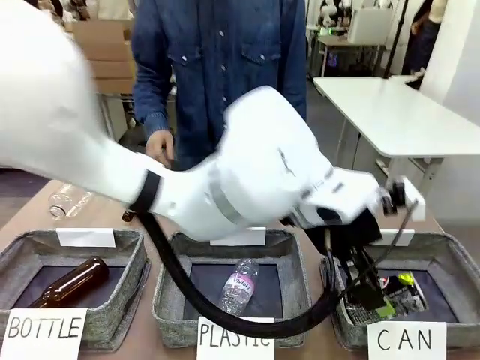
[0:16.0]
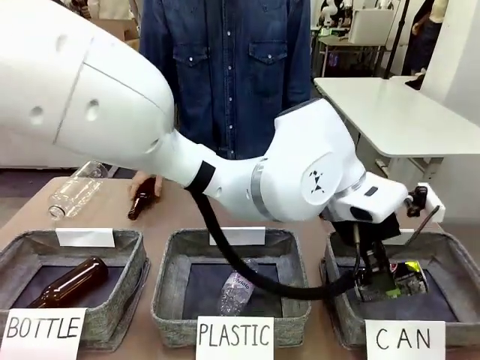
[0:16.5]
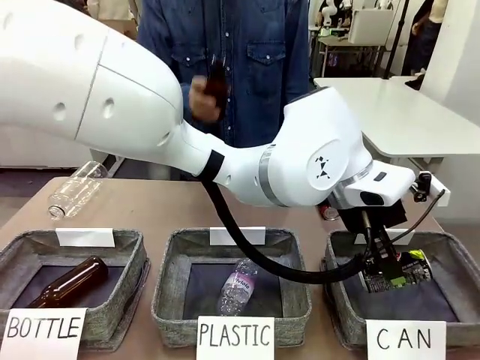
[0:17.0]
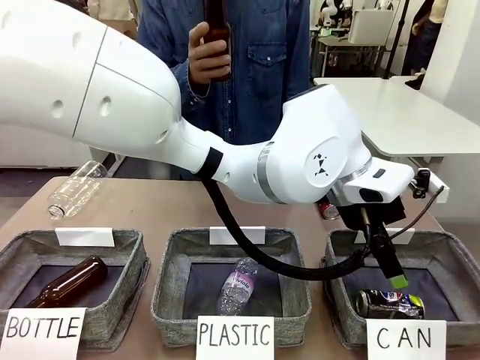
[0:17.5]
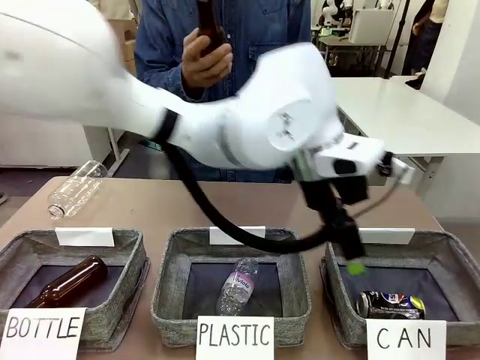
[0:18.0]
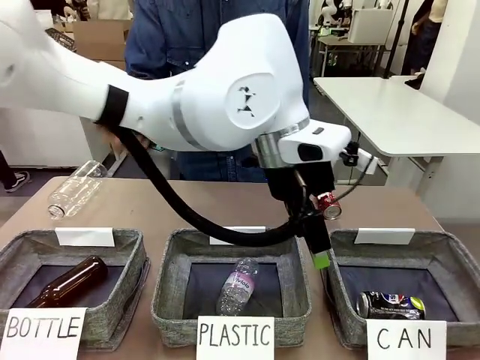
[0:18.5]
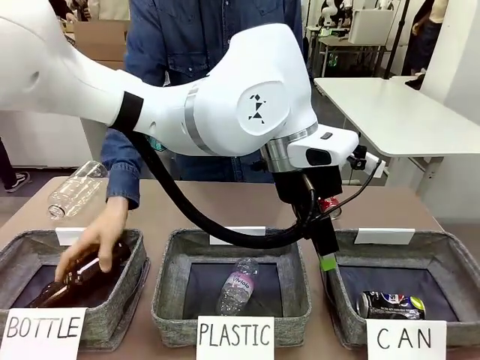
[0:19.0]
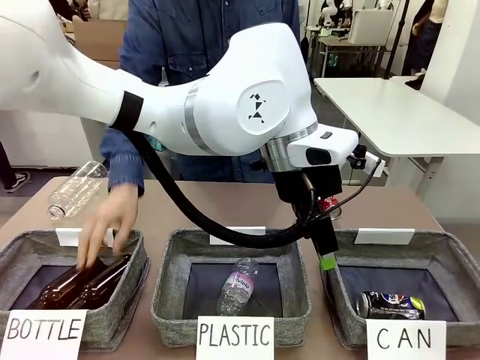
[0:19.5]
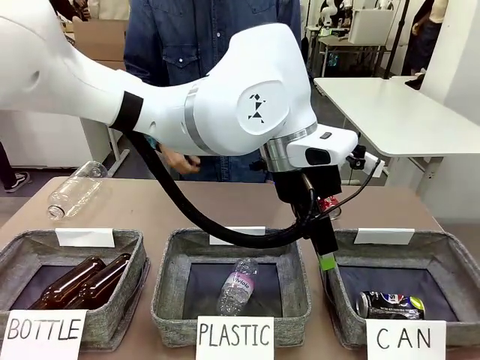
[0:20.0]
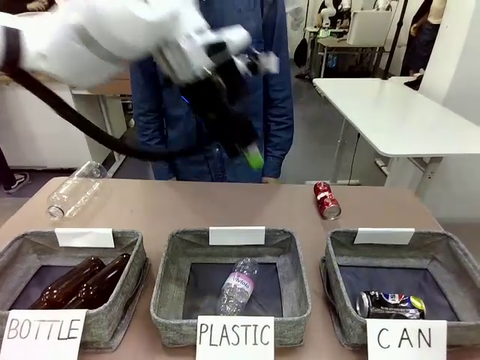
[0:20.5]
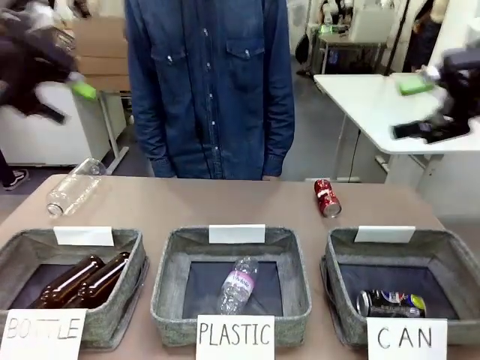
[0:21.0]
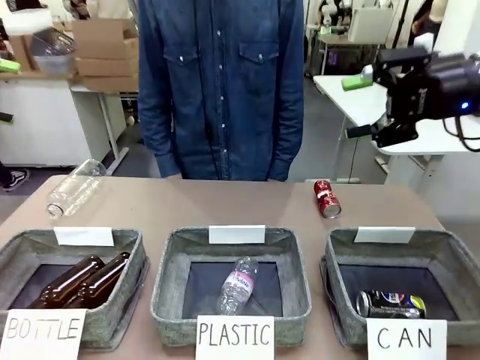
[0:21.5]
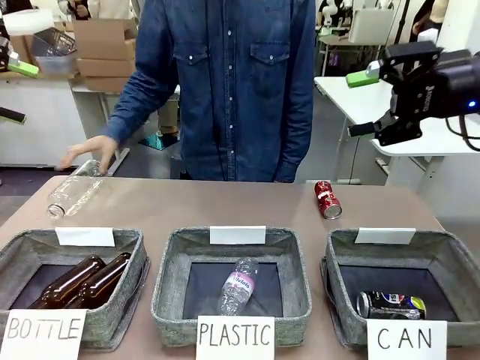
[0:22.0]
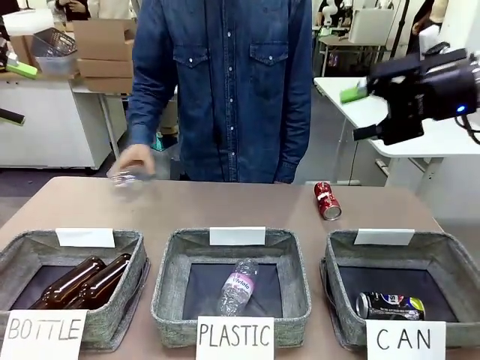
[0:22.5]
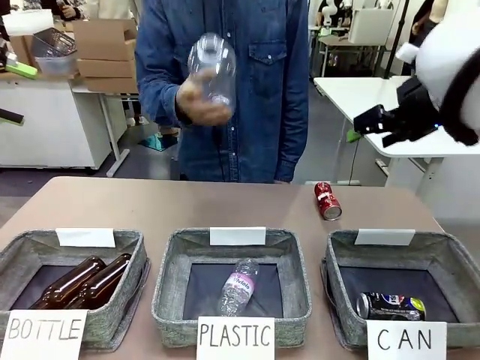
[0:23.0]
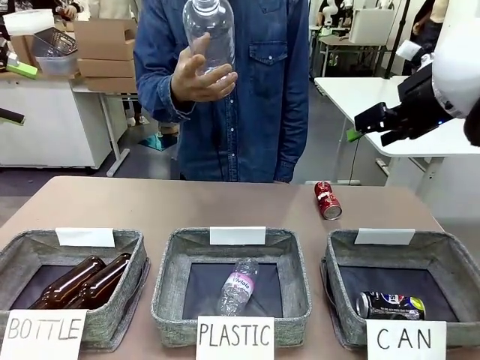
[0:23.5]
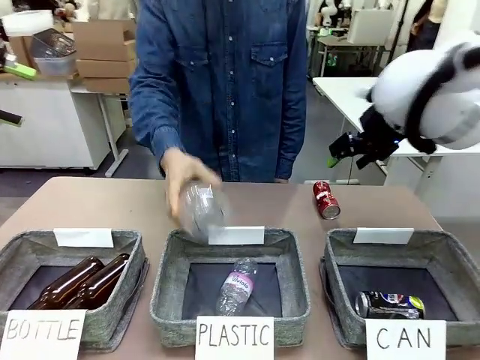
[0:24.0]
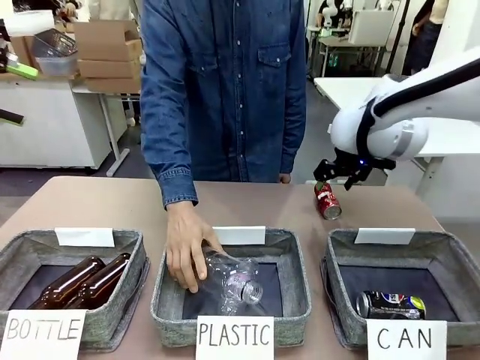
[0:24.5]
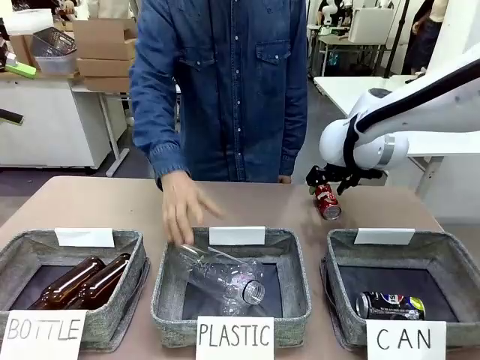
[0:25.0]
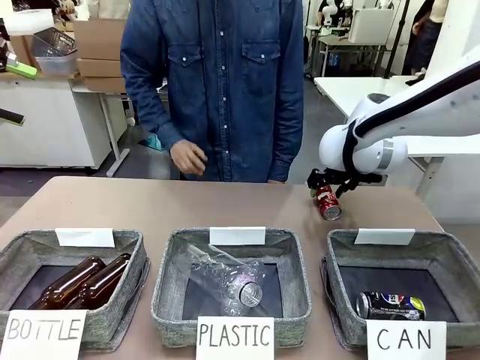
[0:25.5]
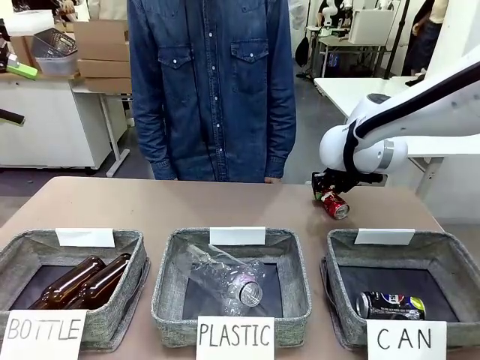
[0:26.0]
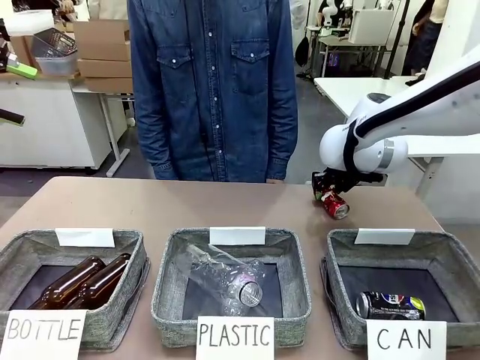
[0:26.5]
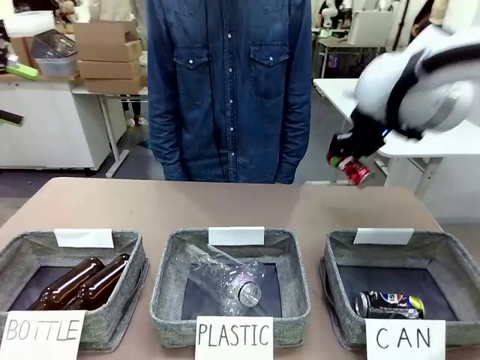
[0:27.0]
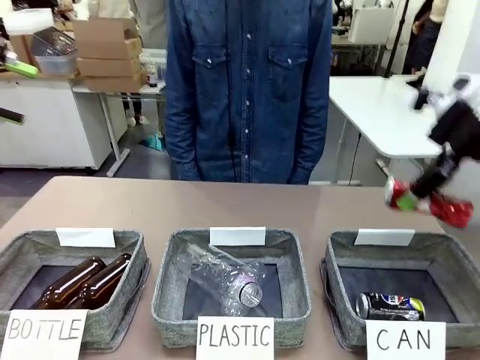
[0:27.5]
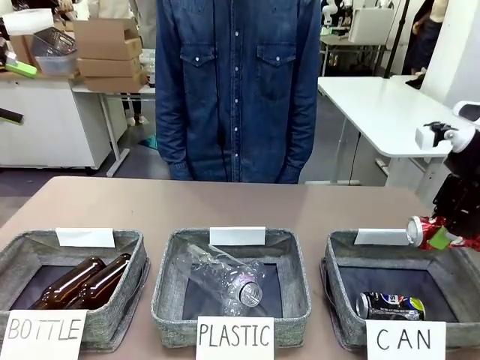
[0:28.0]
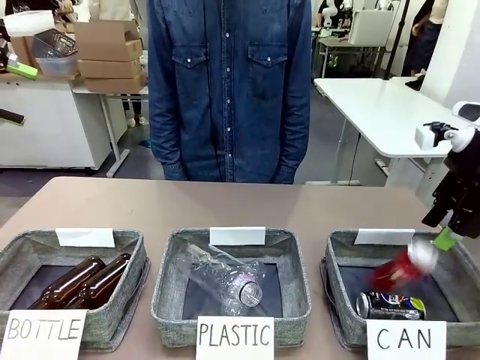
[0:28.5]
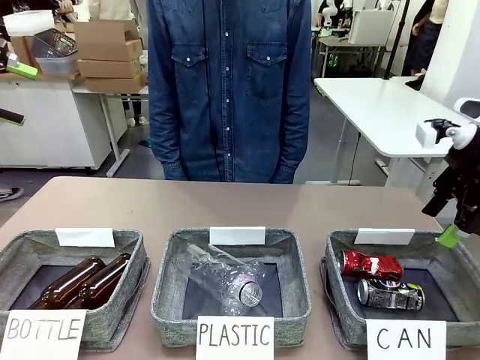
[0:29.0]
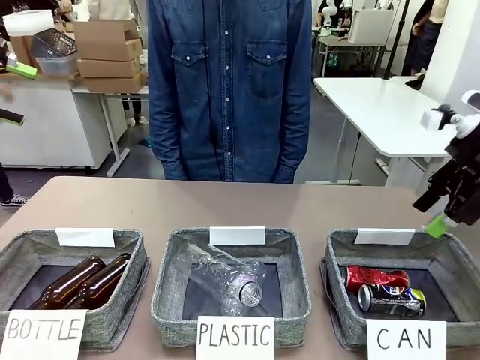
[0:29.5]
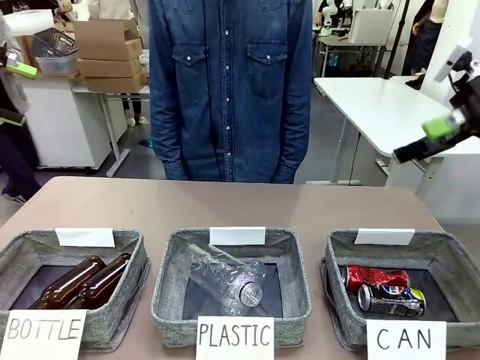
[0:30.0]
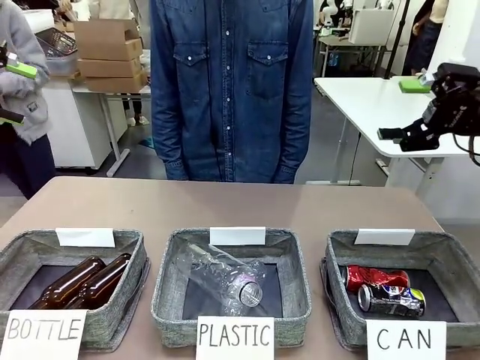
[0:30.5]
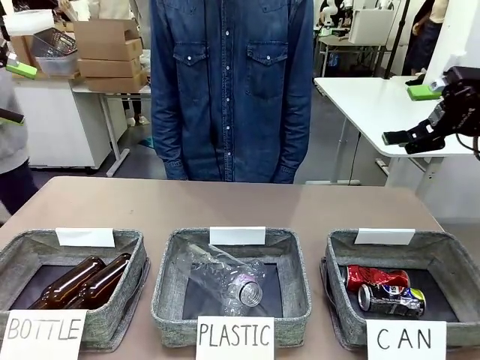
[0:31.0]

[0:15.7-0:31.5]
Task: Sort the can waste into the basket.
Robot: Pick up the can waste from the table and place it in the right Fabric basket.
Person: The human picks up one piece of trash that is not a can and places the trash into the appropriate organizing basket.

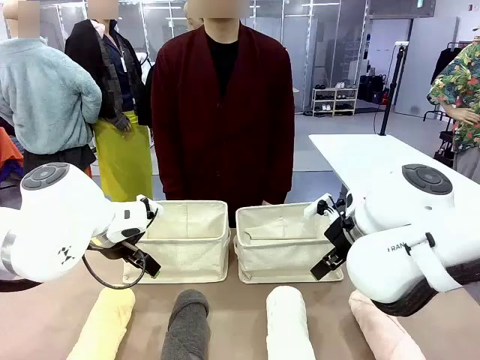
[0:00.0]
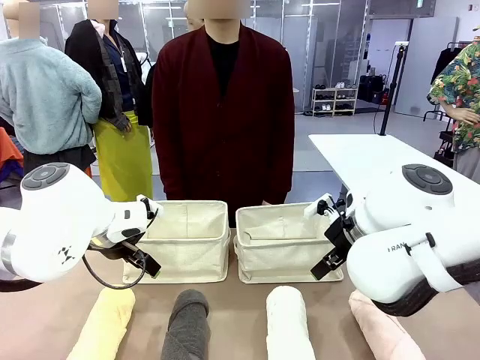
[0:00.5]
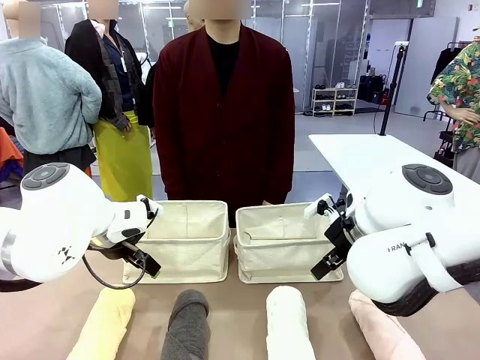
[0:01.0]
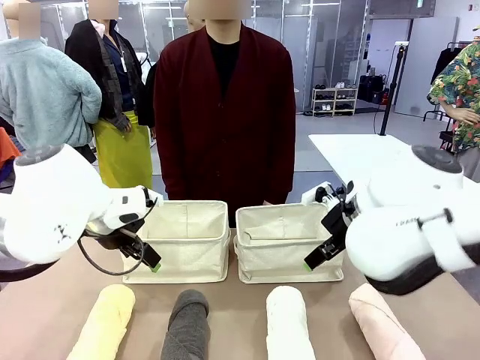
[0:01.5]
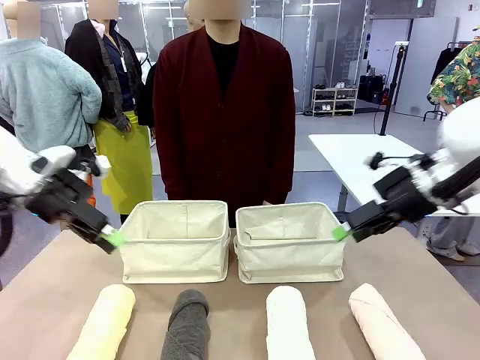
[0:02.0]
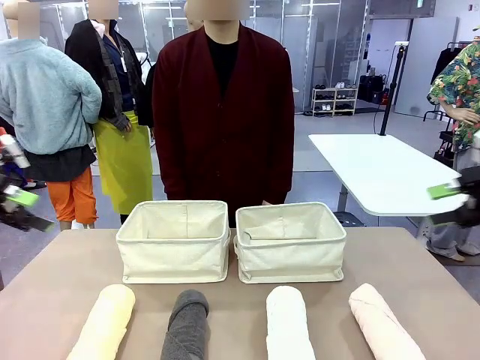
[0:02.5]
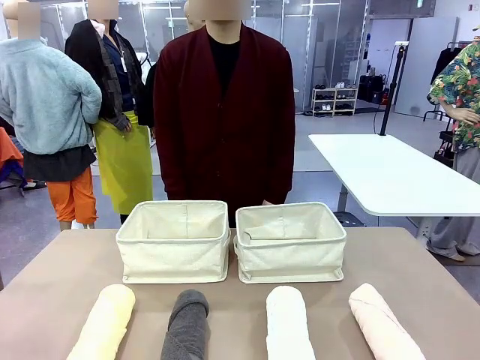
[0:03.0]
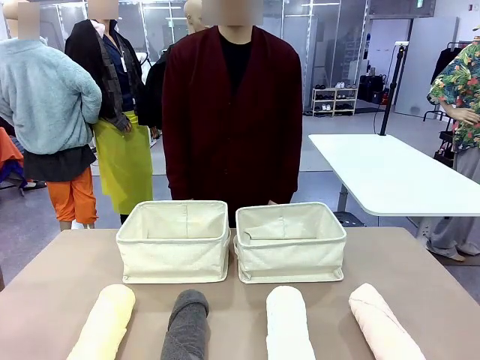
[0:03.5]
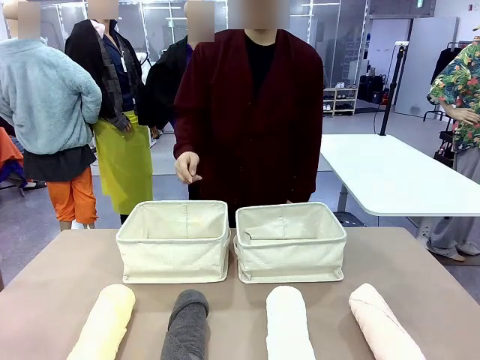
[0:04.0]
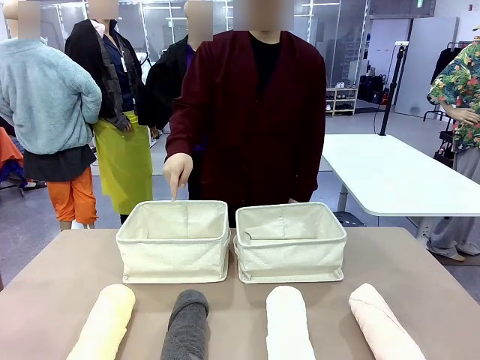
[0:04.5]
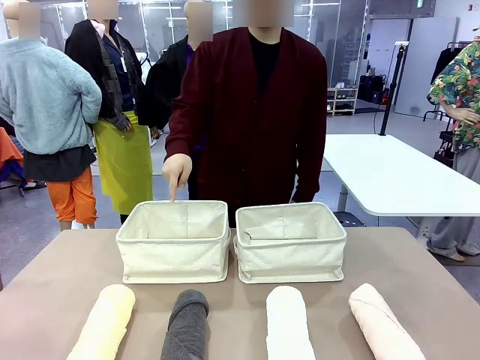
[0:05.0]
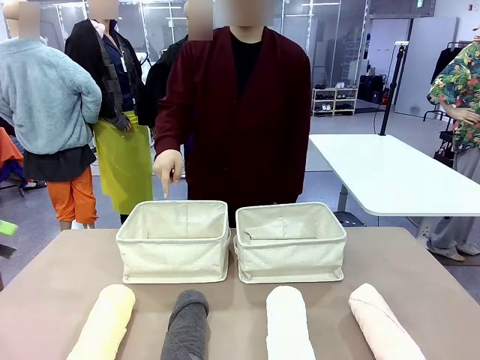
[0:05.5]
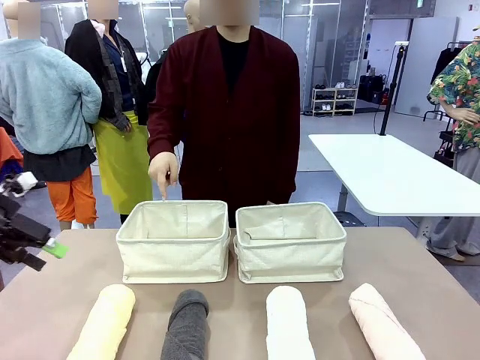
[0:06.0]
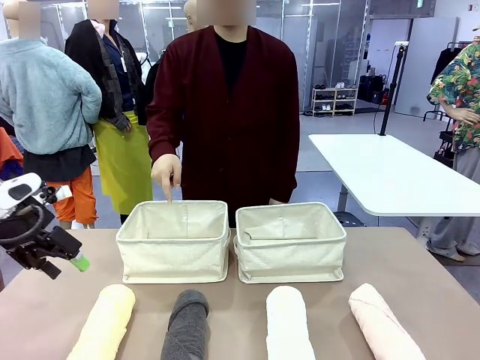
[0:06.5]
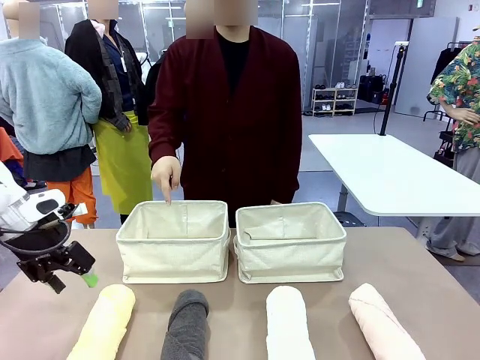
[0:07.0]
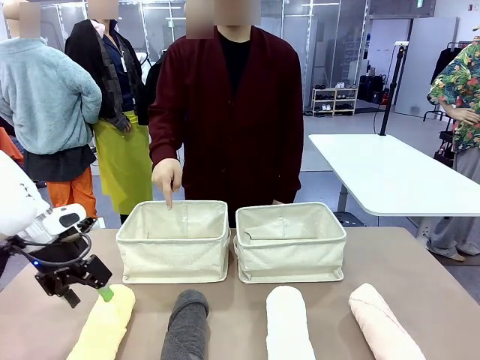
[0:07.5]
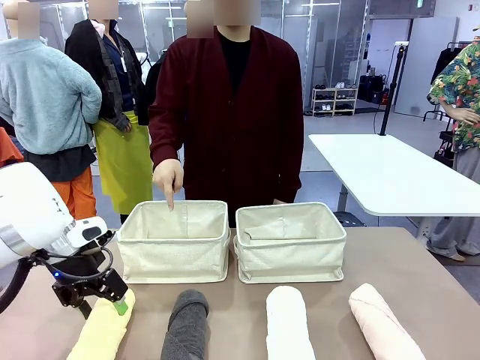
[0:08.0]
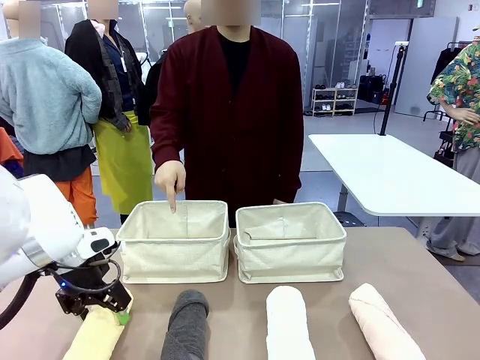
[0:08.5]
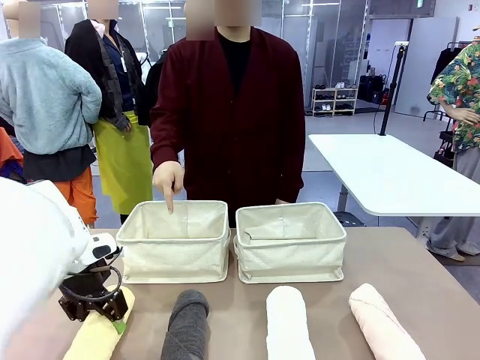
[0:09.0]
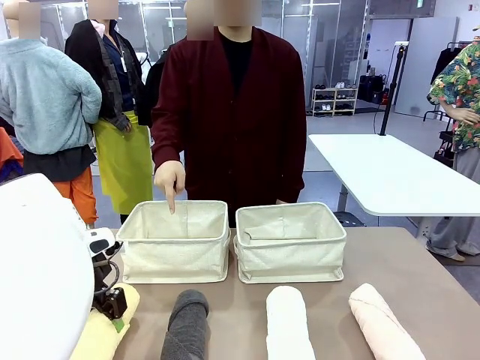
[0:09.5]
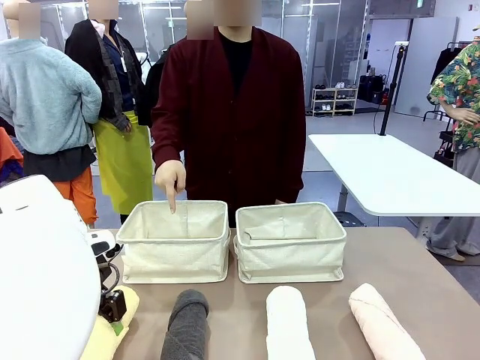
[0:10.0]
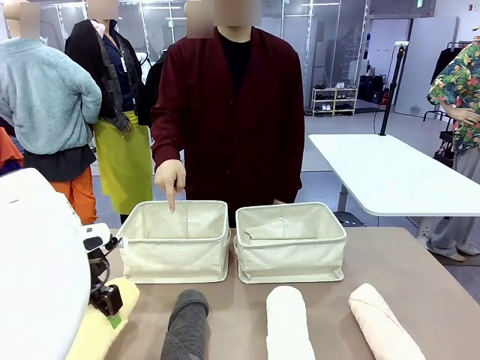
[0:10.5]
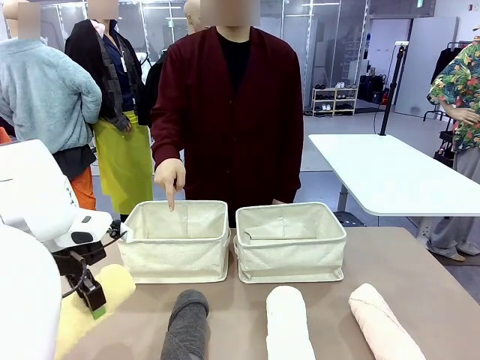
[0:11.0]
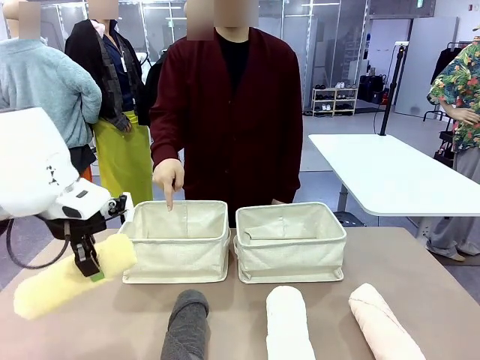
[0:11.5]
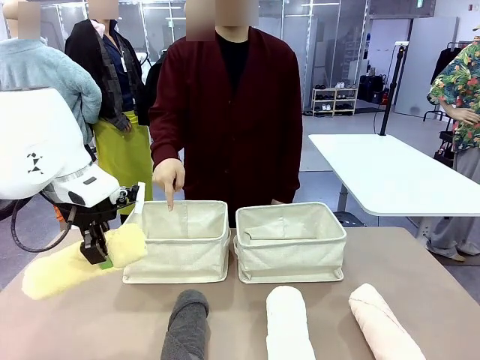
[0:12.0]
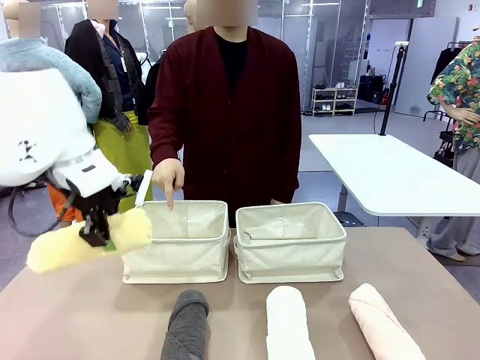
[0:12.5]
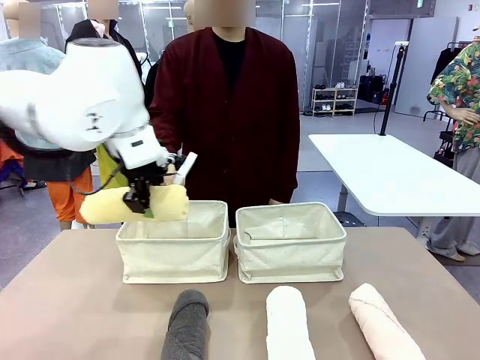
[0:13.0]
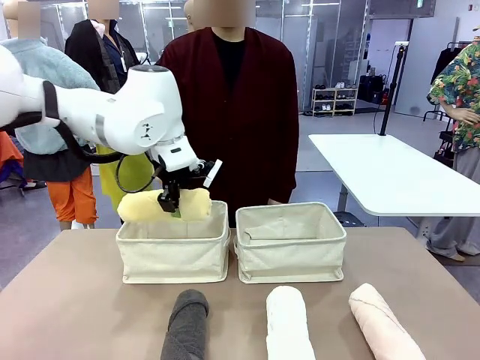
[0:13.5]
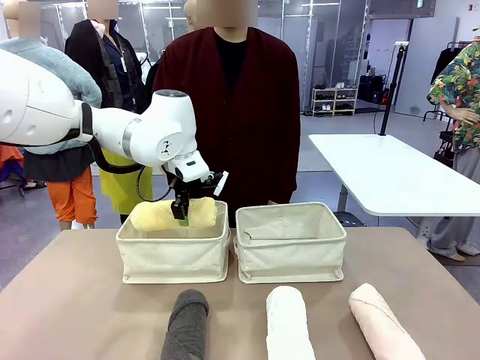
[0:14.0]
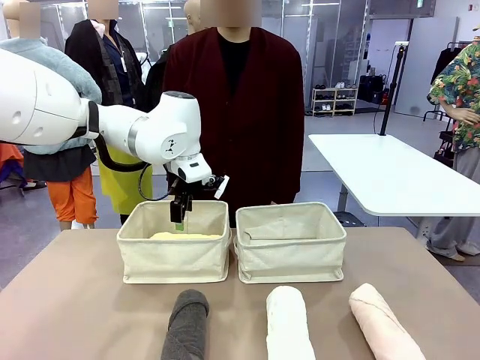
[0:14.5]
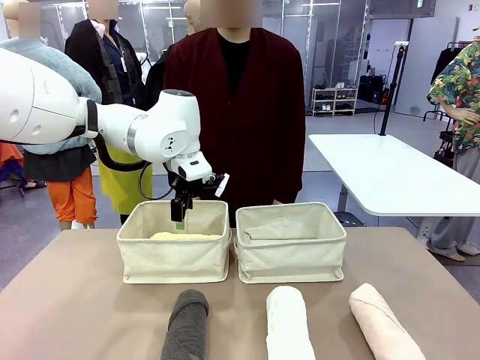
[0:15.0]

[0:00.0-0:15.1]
Task: Divide the towels into two baskets.
Robot: Pick up one hotel-folded towel and place it in the Fabric basket indicated by the person.
